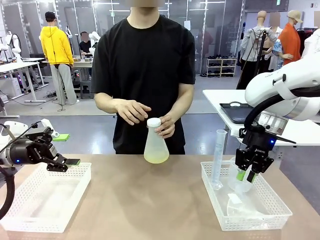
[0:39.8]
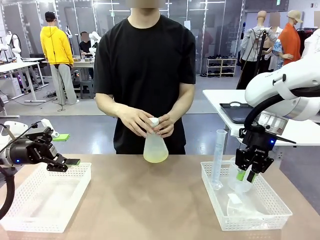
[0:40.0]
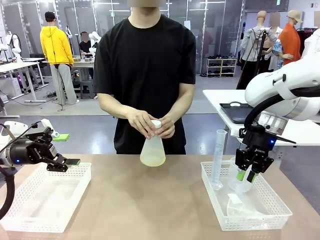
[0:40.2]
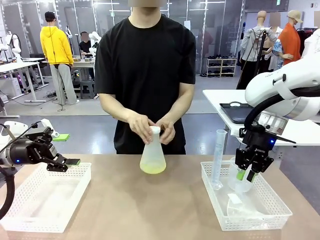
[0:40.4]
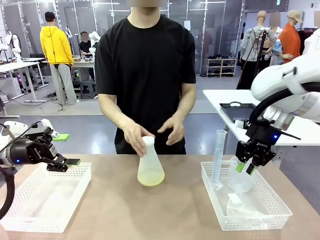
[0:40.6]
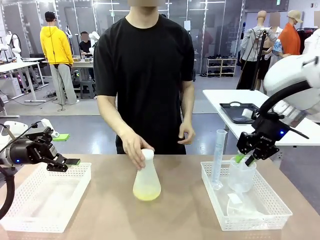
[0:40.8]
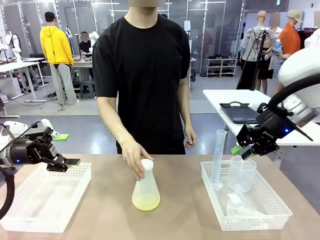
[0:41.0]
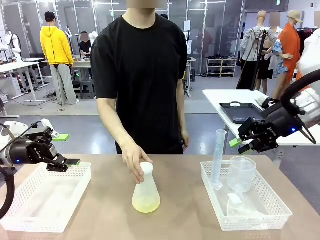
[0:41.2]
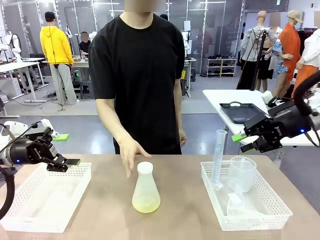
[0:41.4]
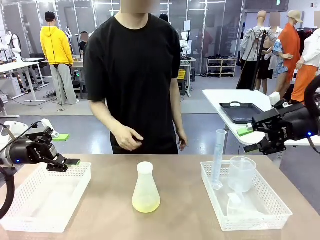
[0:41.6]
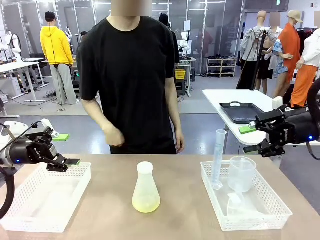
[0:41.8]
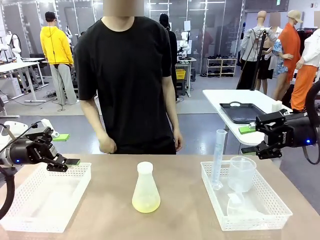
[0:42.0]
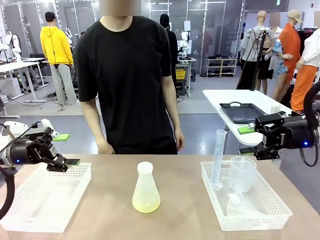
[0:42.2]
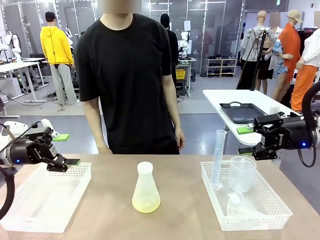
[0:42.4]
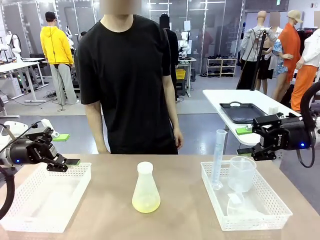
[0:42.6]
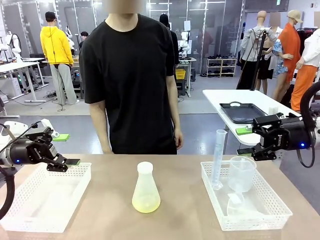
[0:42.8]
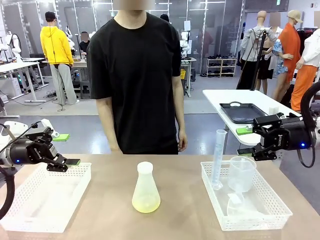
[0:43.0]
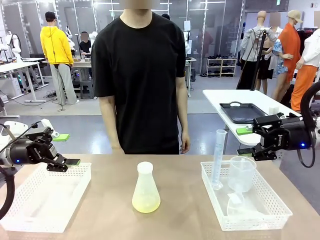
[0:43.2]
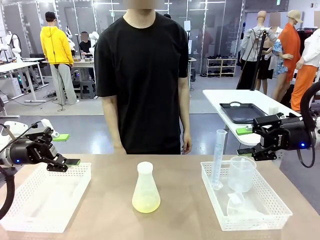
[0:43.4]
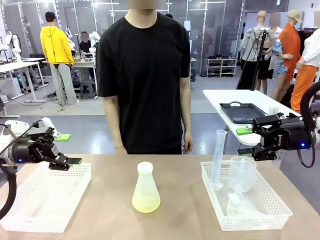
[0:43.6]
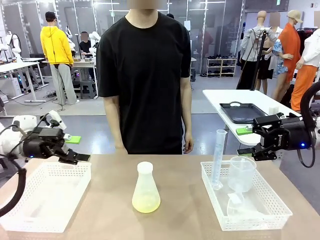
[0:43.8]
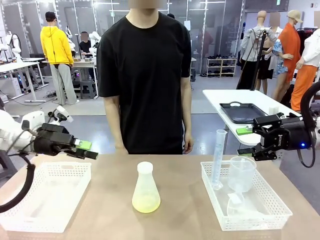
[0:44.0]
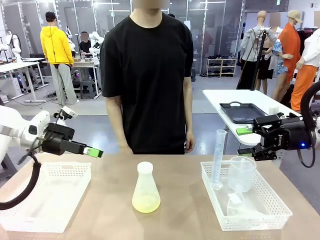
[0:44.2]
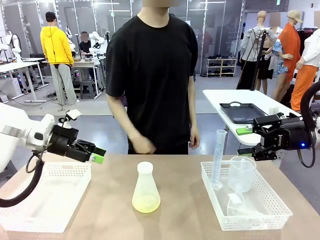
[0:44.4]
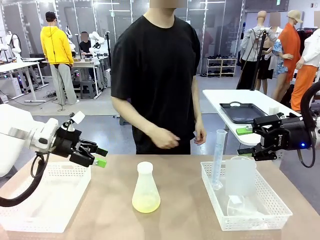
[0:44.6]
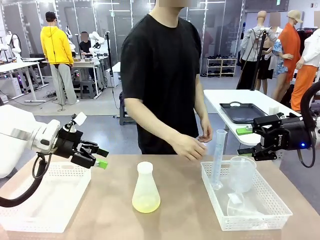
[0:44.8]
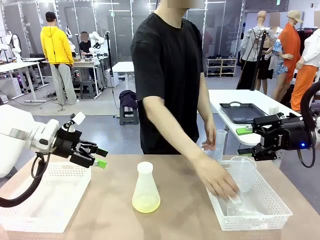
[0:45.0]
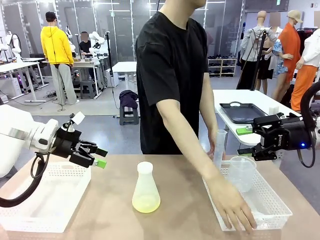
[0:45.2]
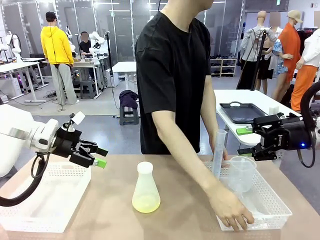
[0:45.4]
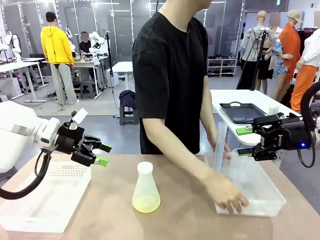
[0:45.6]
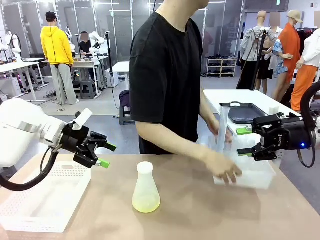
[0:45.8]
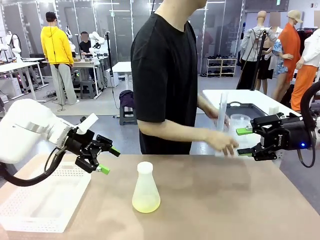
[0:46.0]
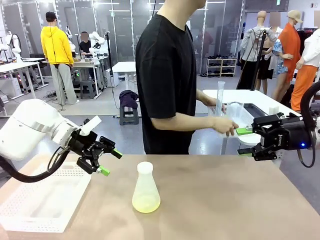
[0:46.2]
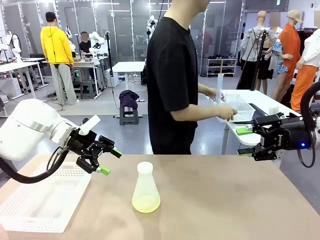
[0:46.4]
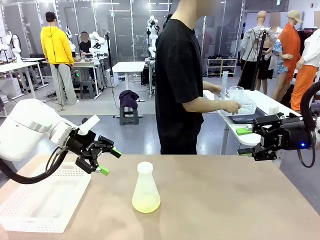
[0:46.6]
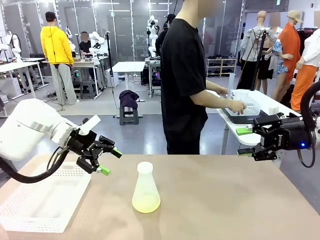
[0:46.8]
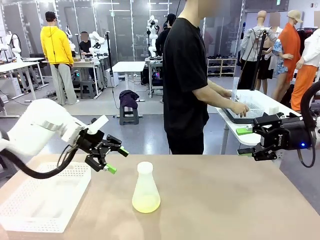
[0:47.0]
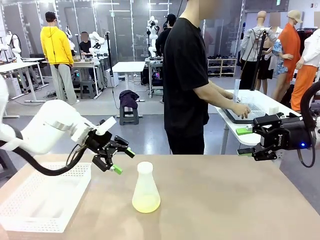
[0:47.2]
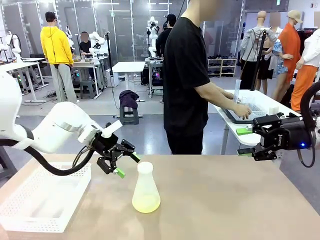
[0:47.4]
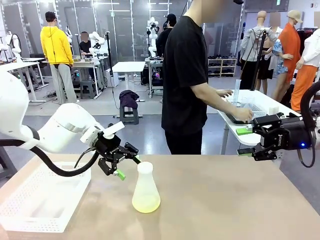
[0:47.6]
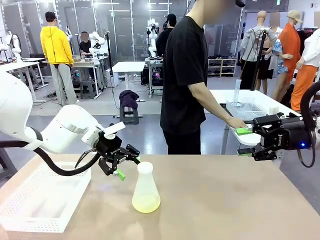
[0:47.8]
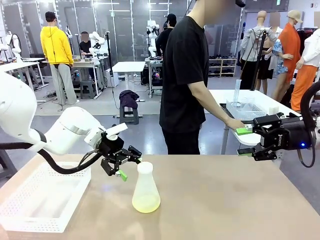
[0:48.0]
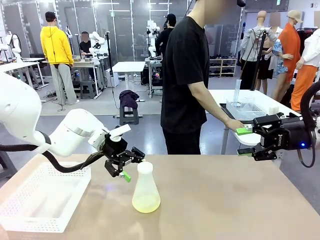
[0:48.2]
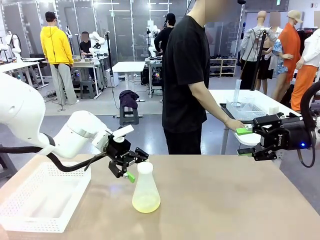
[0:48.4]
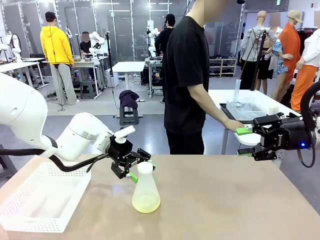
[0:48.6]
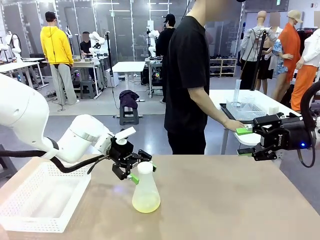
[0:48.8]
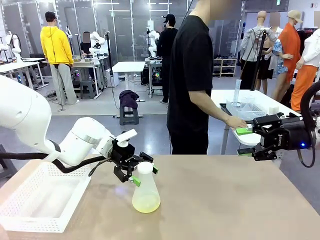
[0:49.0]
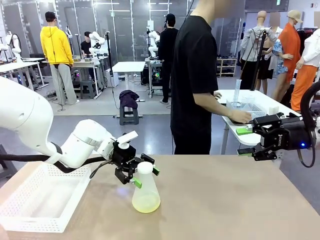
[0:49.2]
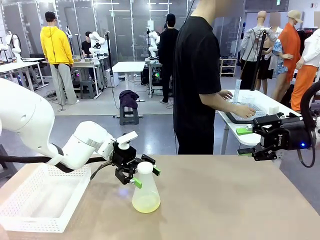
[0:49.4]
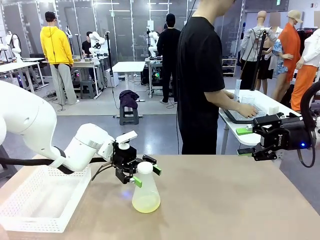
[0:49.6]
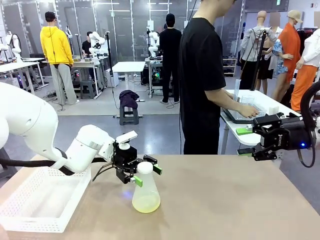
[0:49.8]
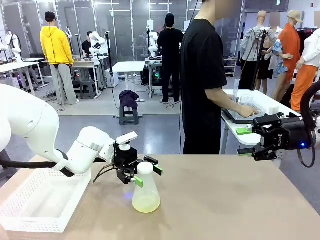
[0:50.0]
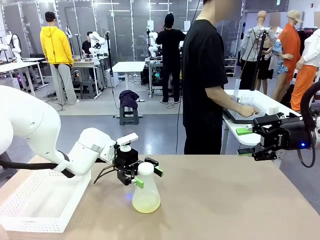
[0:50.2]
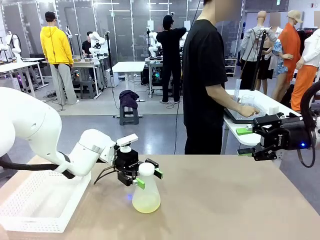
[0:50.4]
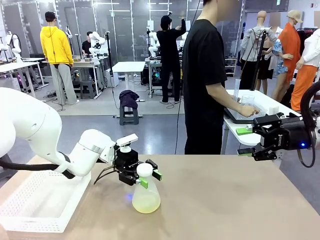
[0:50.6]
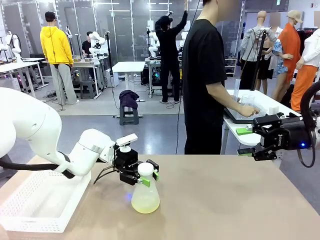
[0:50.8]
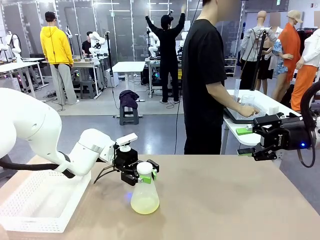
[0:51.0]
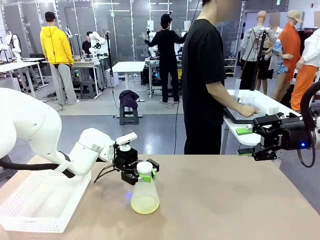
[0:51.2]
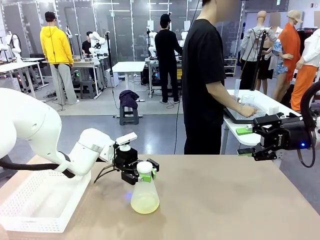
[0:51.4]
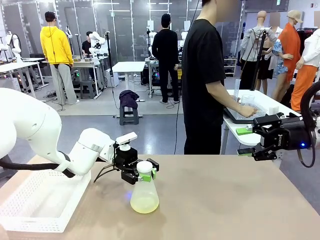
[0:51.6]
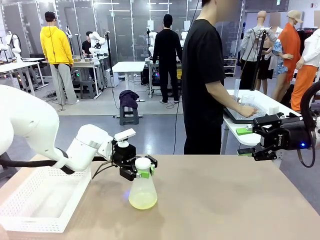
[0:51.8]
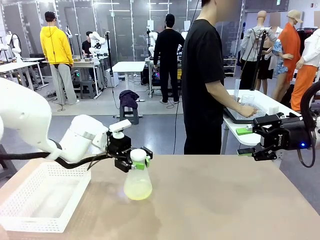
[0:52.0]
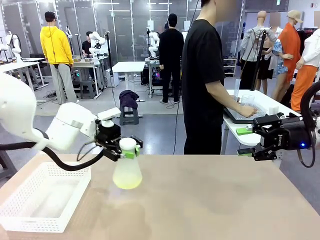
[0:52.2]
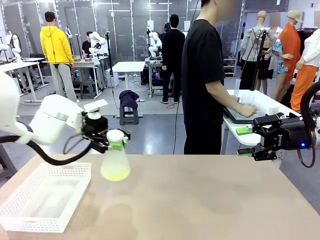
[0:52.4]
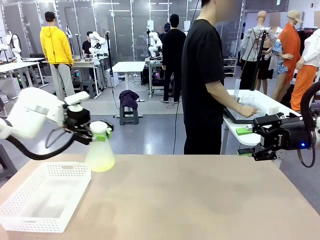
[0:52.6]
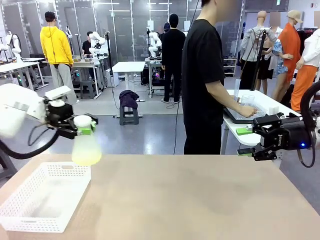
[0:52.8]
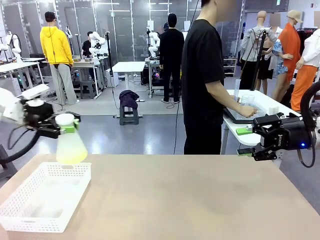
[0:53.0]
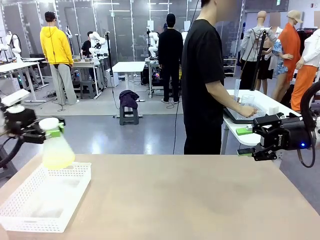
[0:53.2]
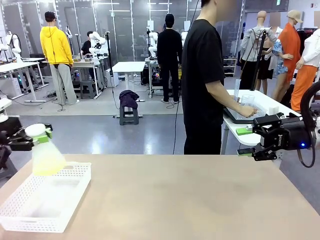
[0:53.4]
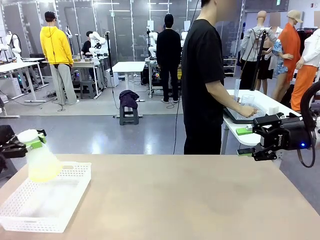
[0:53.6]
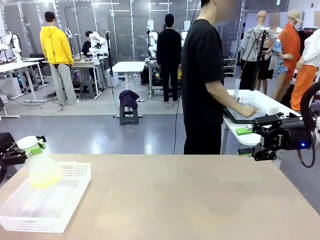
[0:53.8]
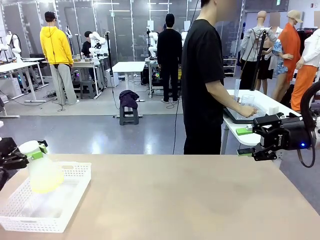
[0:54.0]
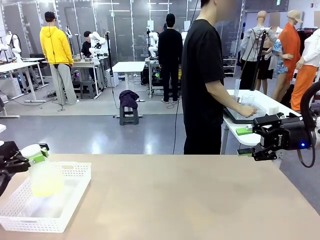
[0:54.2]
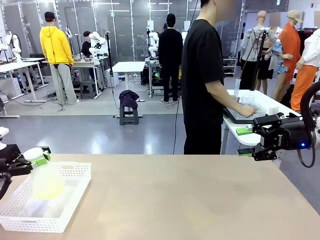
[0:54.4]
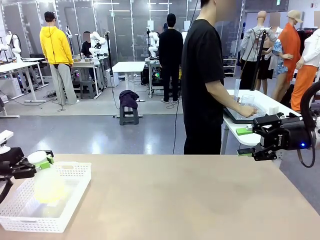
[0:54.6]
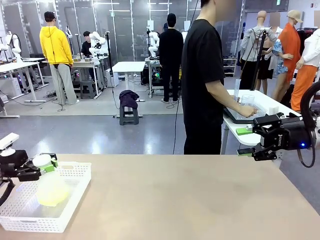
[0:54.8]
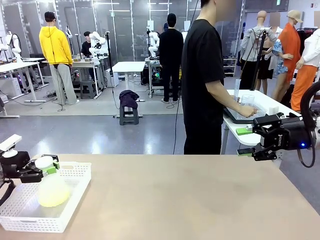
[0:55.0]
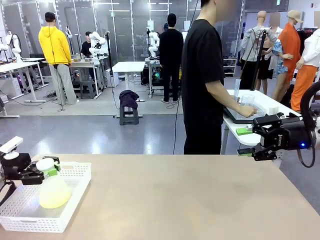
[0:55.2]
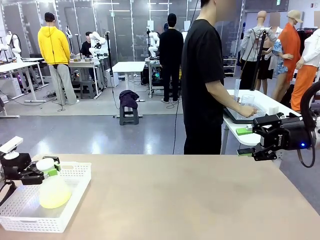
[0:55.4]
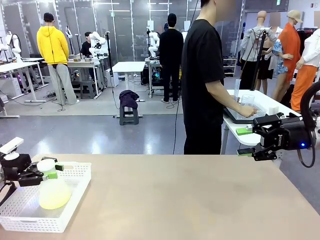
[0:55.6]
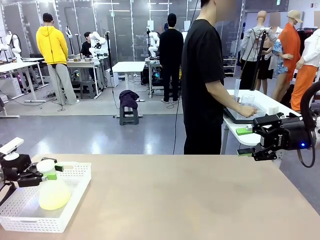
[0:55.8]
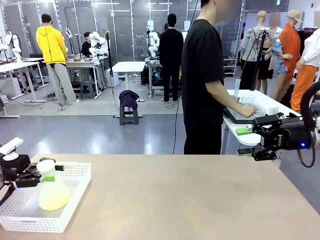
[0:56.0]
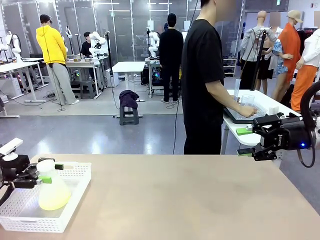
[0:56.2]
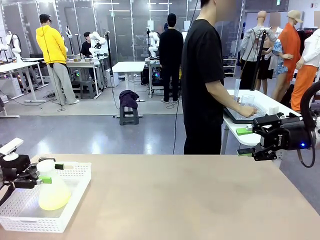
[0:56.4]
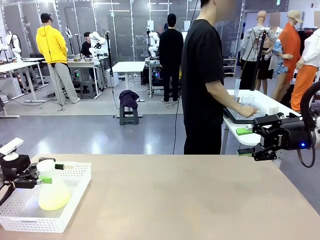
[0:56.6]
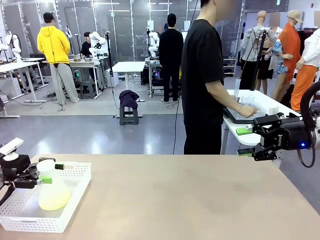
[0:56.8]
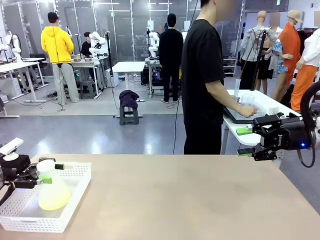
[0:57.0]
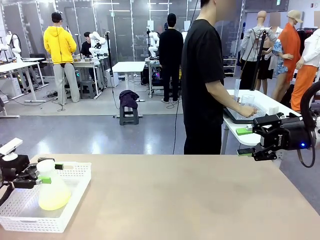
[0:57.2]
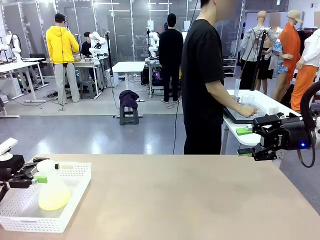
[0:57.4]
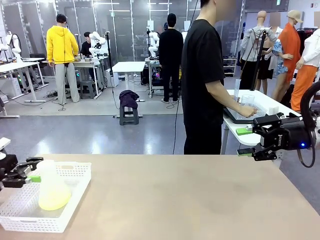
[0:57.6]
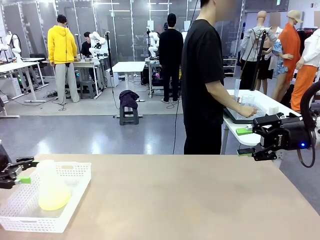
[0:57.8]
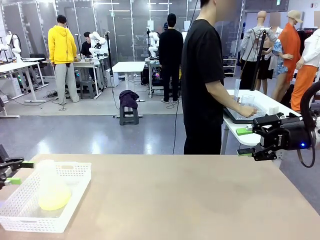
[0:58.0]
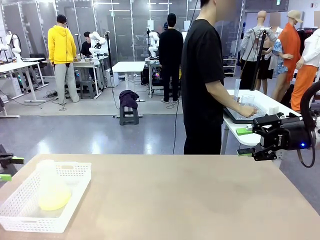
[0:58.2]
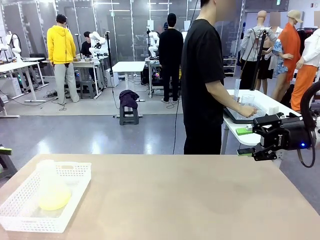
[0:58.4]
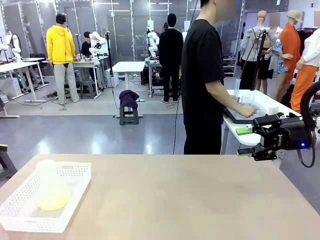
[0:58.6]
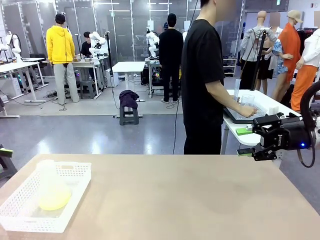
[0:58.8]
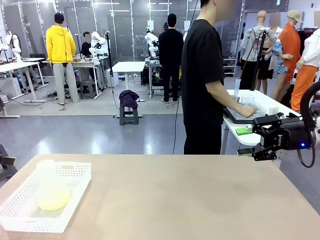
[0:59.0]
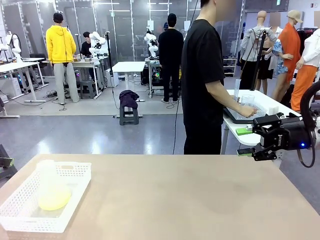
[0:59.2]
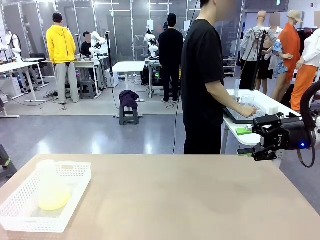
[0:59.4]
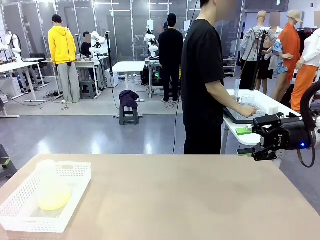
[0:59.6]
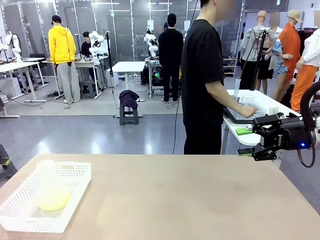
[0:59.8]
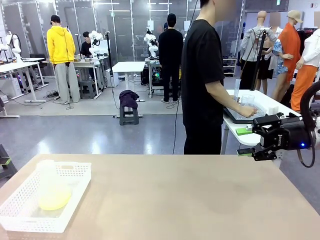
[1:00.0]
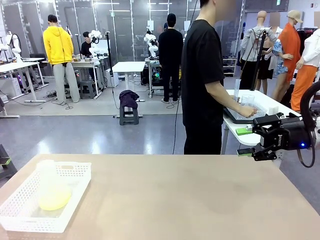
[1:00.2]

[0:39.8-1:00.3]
Task: Prepare the solutions needed for the experiment.
Robot: When the human places the Big flask in the center of the table, pick up the Big flask and place it in the left Organizing basket.
Person: Pick up the organizing basket on the left side of the robot table and place it on the left side of the human table.
